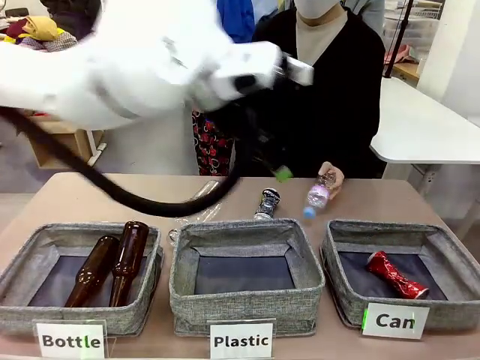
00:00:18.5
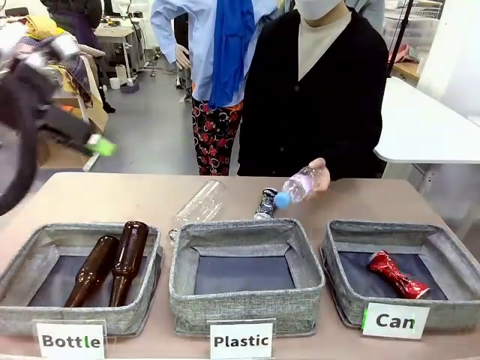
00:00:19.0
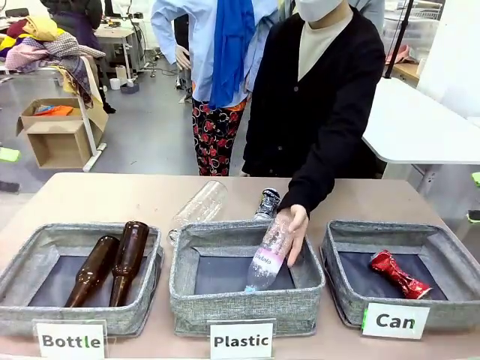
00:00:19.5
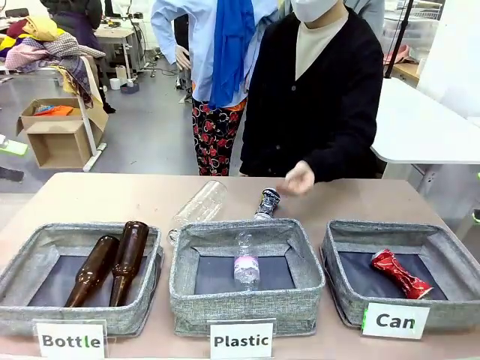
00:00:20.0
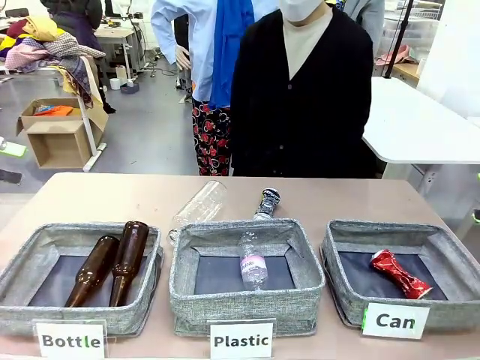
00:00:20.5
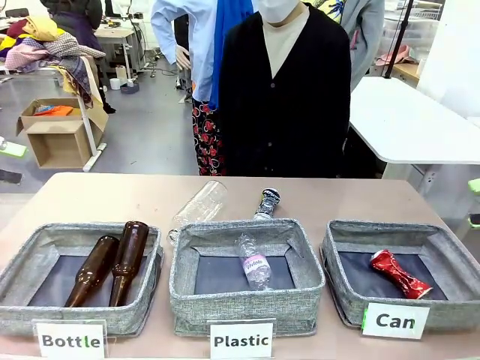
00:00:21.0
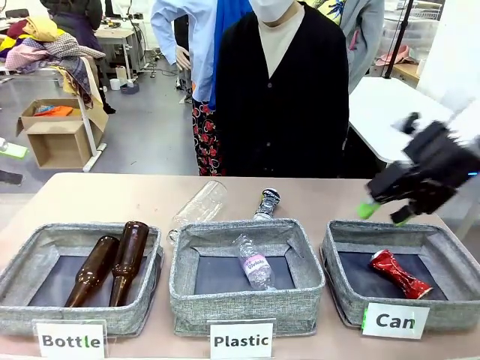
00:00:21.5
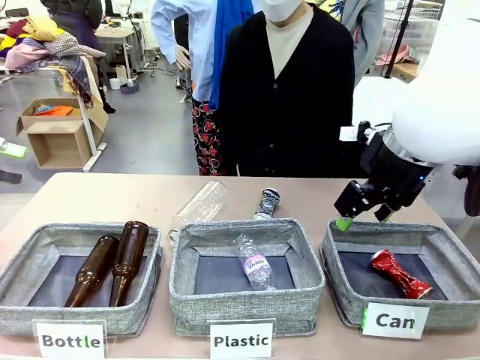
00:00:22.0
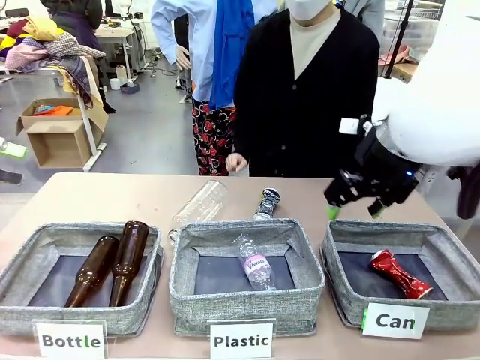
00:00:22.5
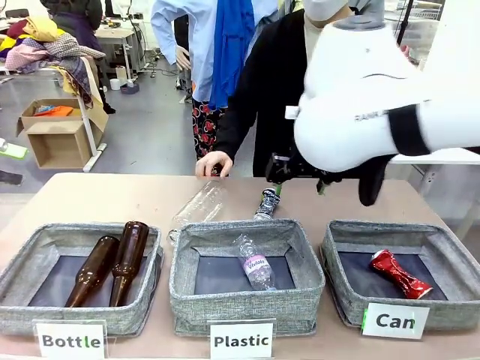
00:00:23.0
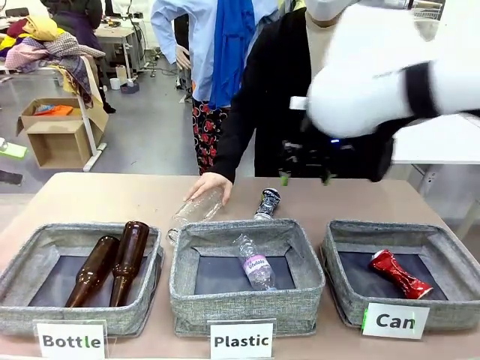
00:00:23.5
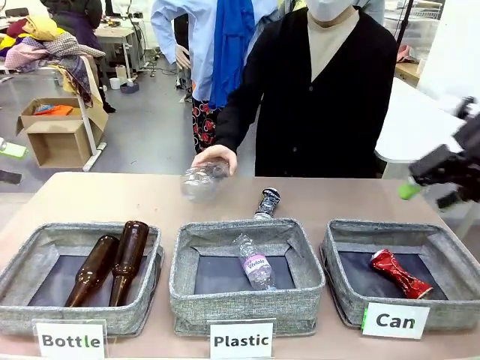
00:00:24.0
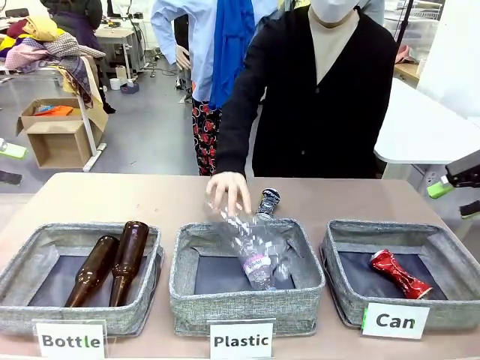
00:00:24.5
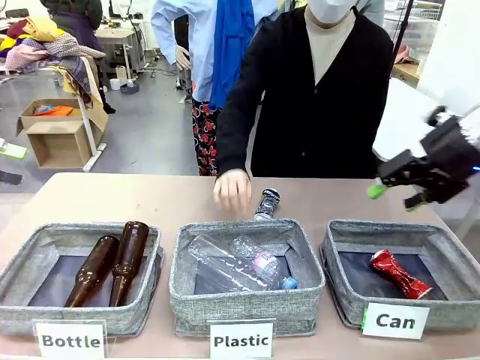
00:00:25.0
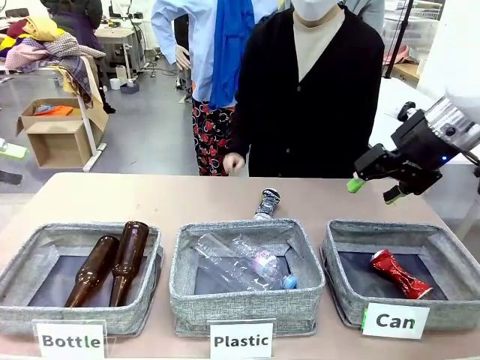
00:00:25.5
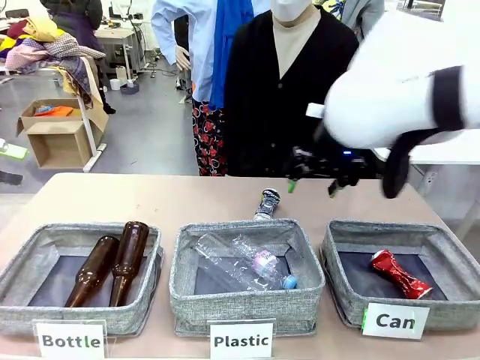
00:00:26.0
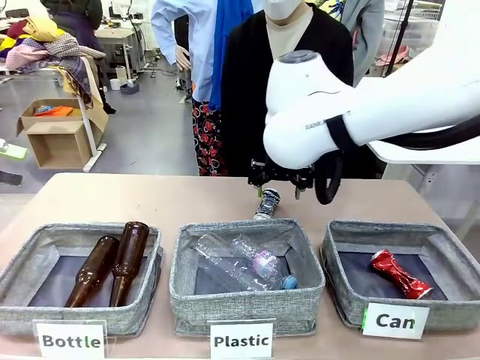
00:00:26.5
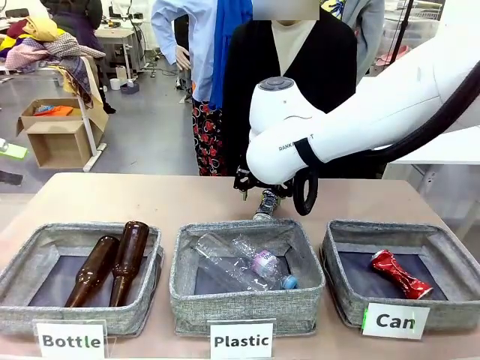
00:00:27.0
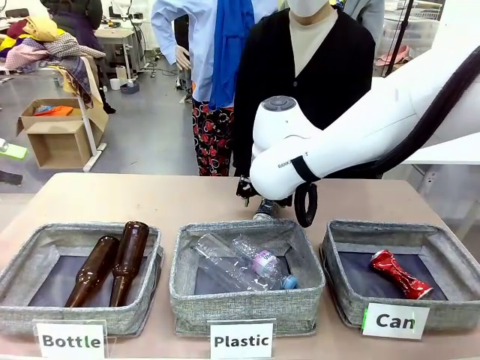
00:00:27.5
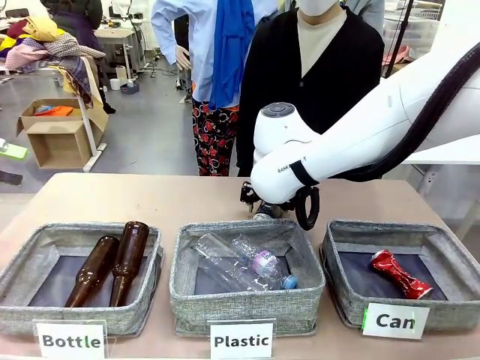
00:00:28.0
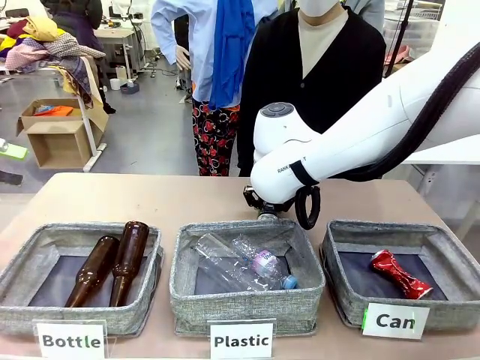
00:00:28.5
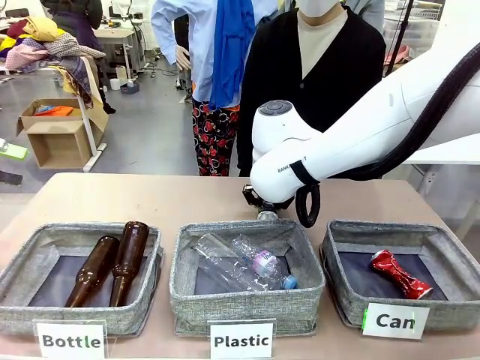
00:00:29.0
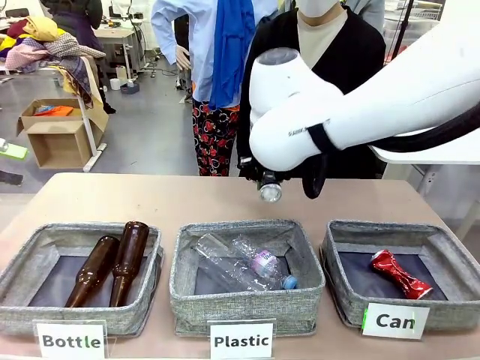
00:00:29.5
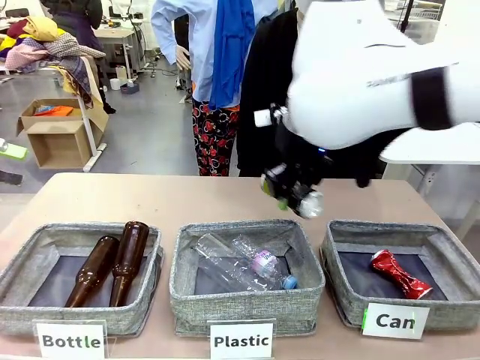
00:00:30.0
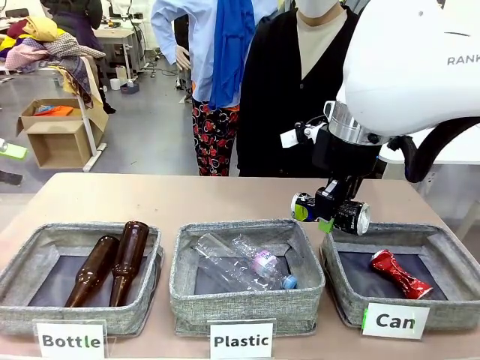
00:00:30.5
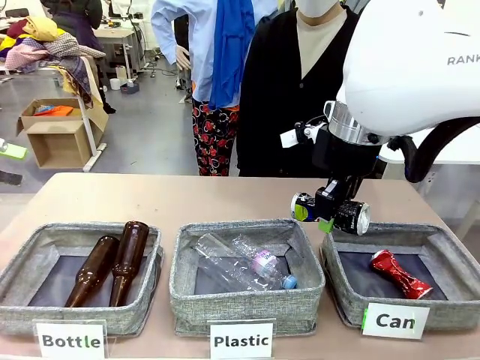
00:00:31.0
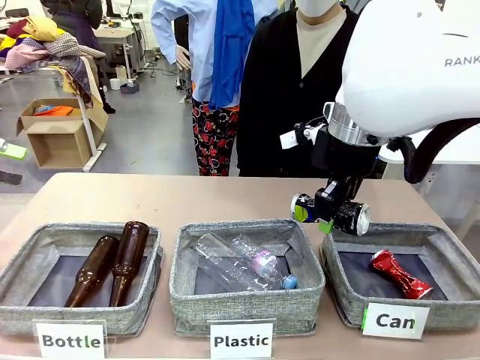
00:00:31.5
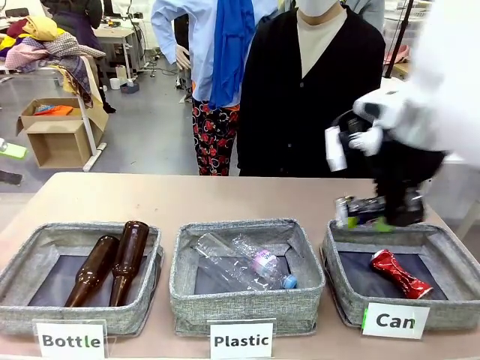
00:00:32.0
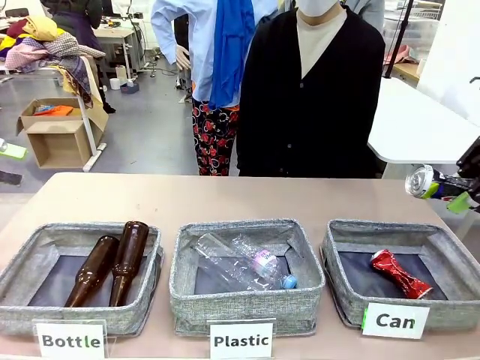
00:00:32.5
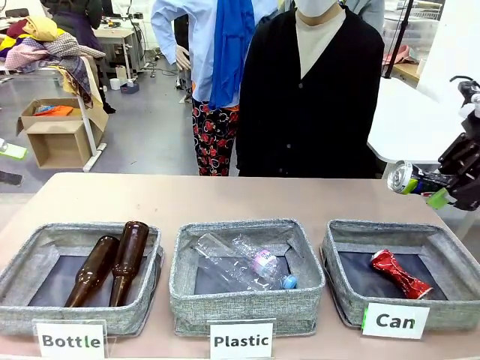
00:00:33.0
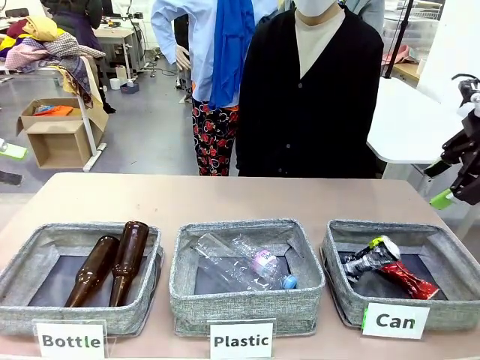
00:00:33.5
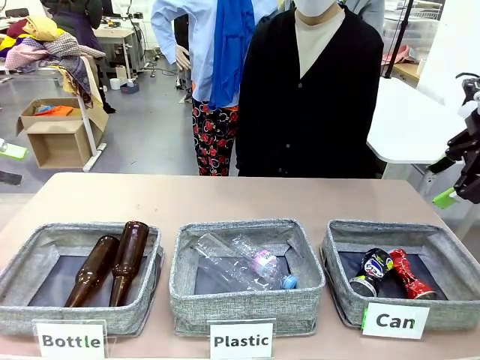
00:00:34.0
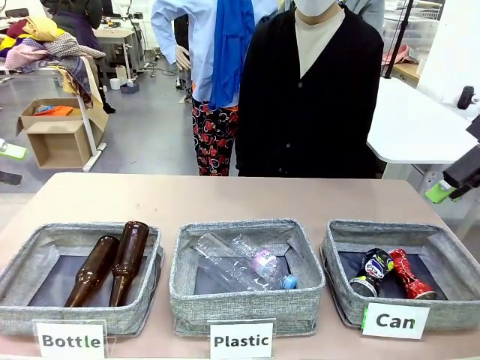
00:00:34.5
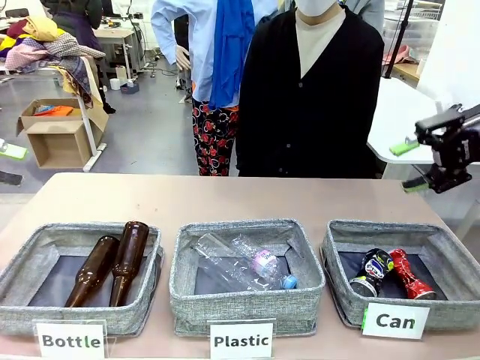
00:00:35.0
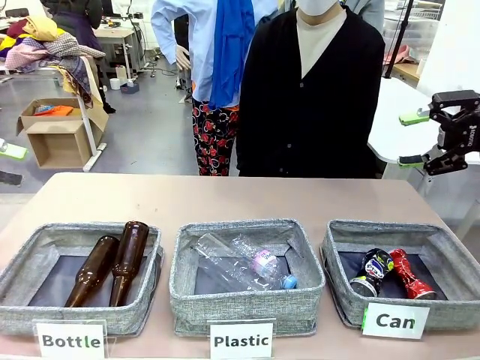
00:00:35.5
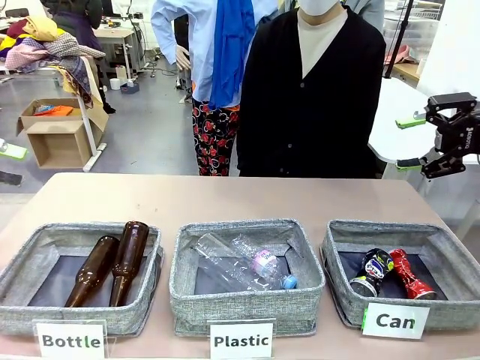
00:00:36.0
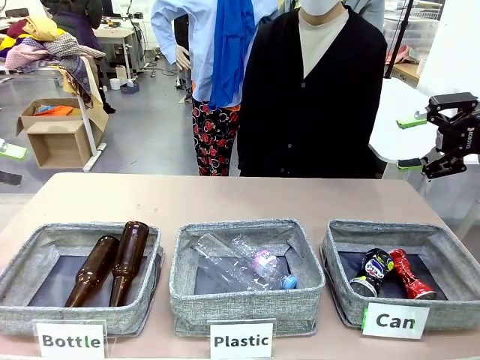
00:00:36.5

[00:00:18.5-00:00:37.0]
Task: Sort the can waste into the basket.
Robot: Pick up the can waste from the table and place it in the right Fabric basket.

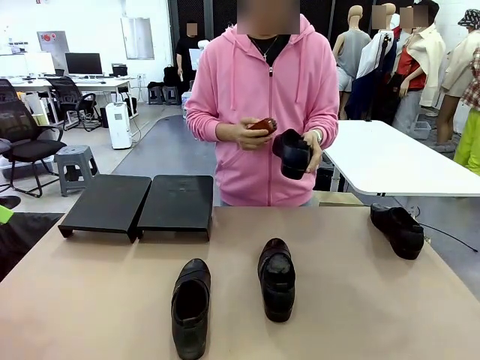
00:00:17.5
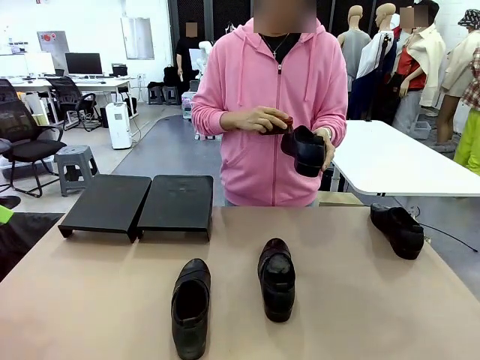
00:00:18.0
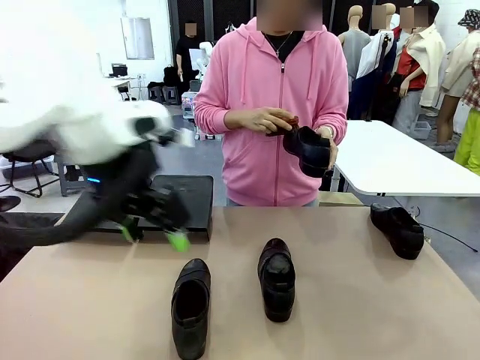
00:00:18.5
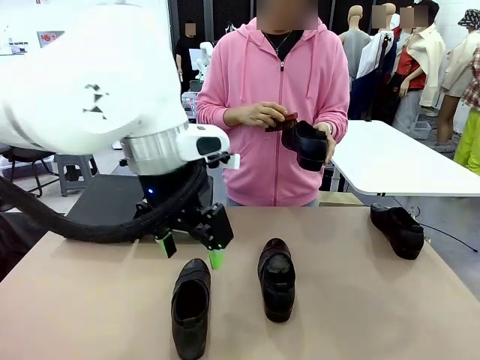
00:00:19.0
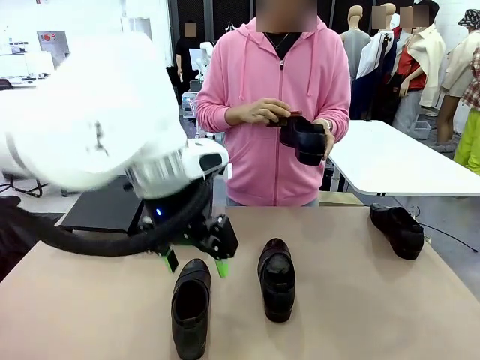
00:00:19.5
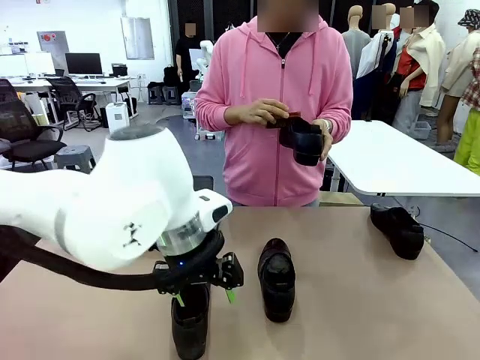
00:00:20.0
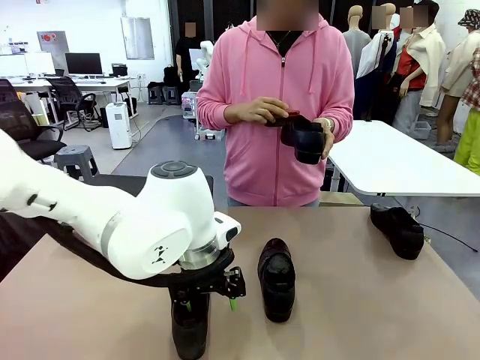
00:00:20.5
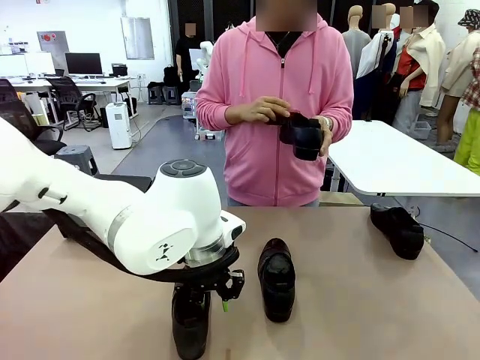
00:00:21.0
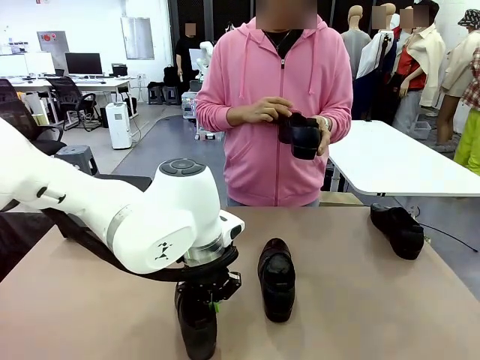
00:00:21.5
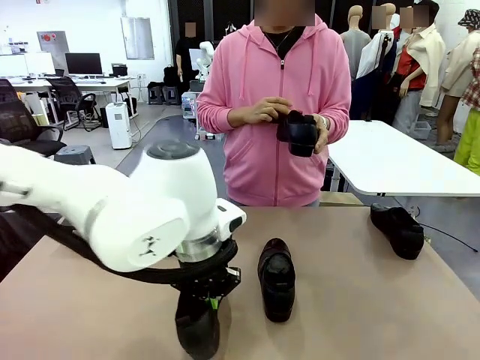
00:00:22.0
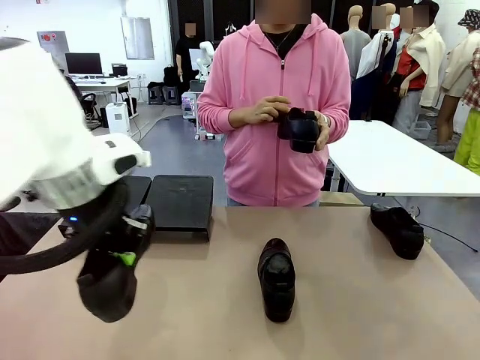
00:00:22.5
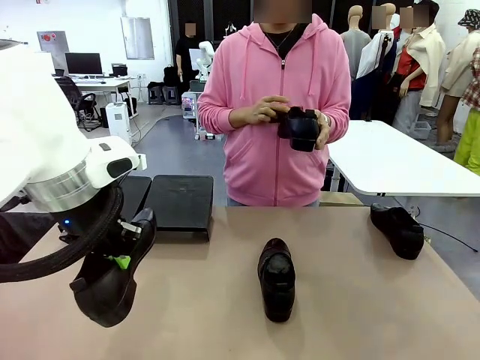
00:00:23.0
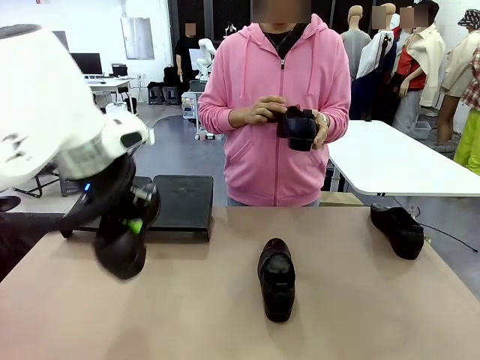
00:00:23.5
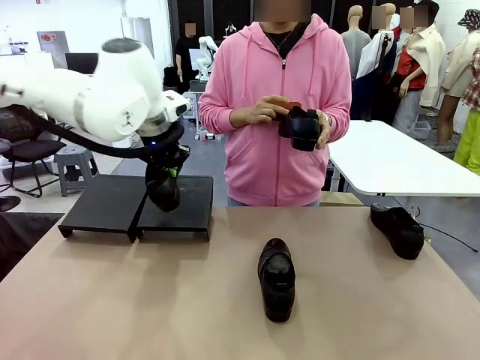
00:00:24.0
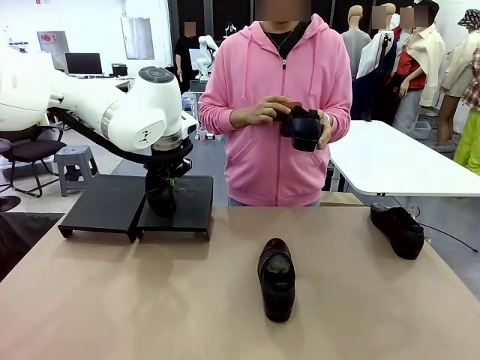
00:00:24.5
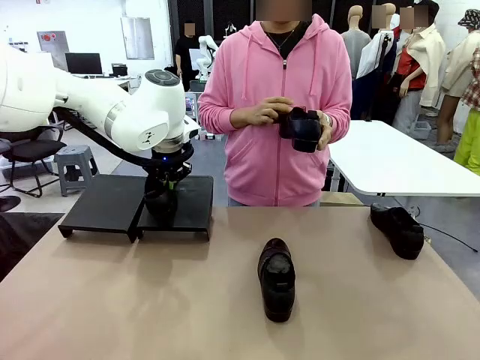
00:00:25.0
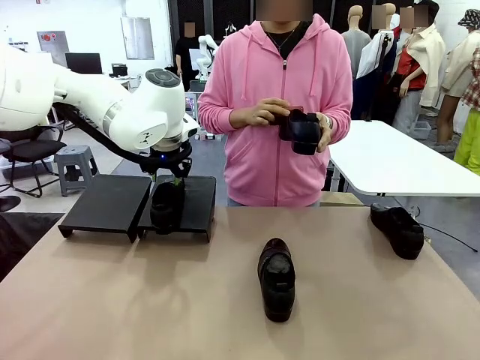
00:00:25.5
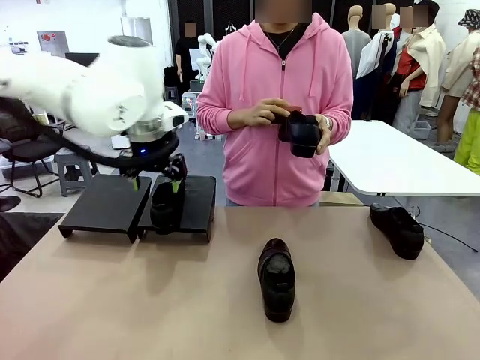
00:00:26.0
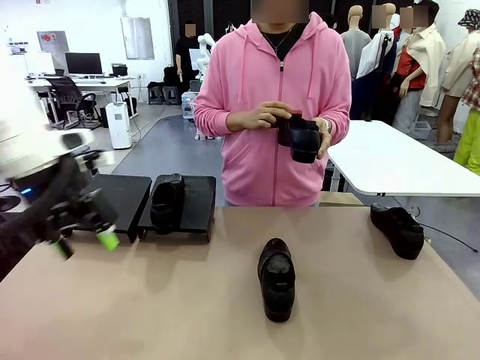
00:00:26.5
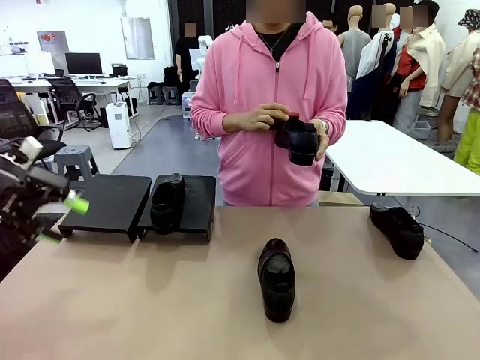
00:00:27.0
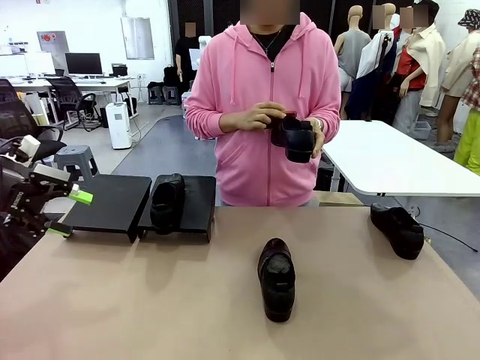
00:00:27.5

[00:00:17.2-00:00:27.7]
Task: Organize the shoes by placing them on the stand.
Robot: Place the Shoe from the middle of the table onto the Shoes Stand.
Person: Clean the Shoe with the Shoe Brush.
